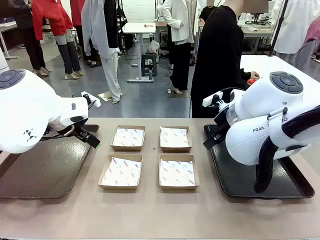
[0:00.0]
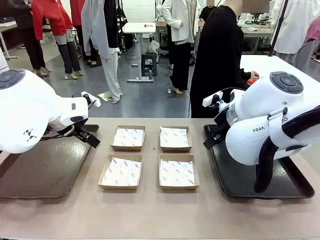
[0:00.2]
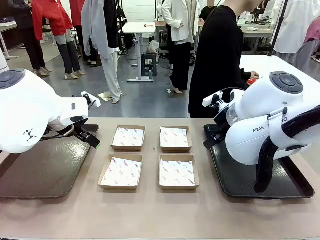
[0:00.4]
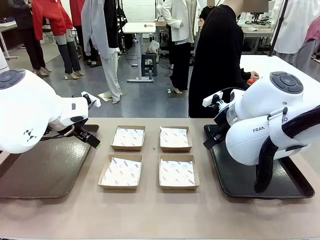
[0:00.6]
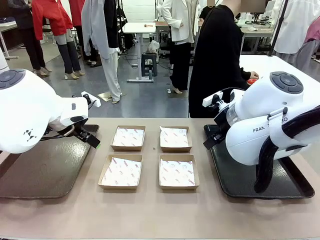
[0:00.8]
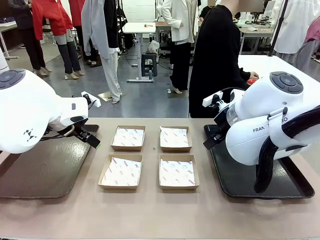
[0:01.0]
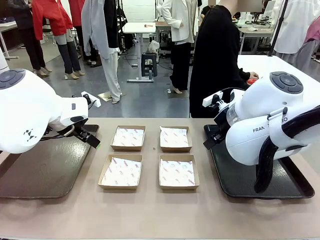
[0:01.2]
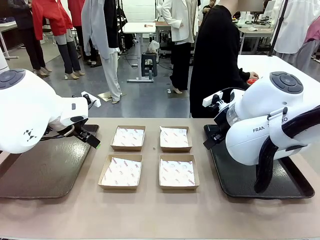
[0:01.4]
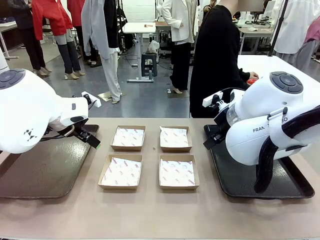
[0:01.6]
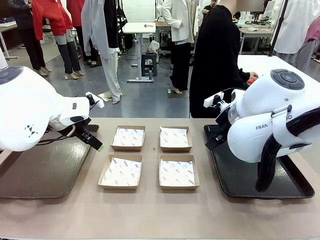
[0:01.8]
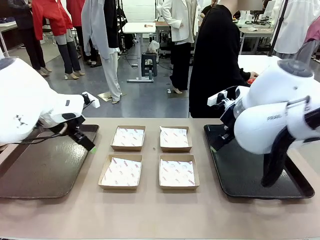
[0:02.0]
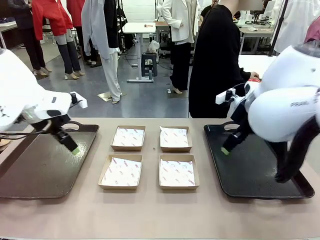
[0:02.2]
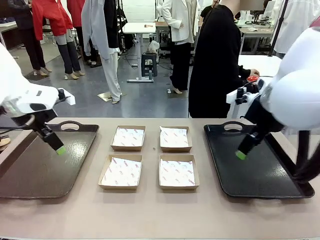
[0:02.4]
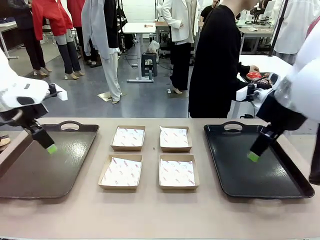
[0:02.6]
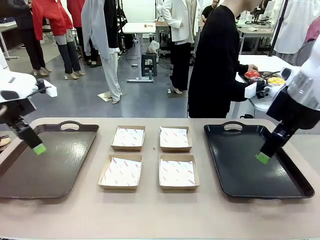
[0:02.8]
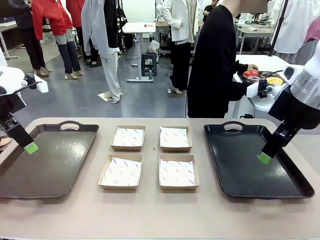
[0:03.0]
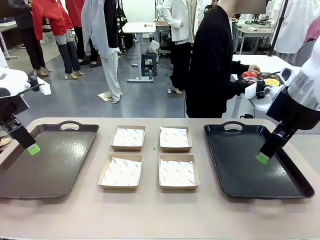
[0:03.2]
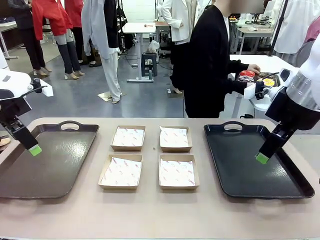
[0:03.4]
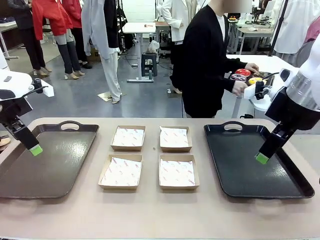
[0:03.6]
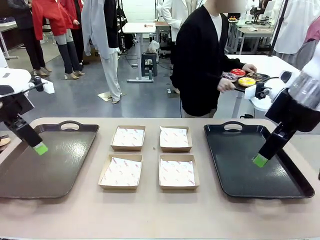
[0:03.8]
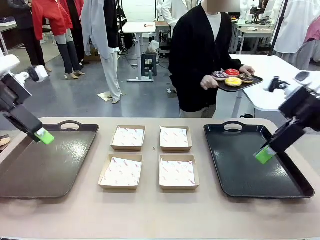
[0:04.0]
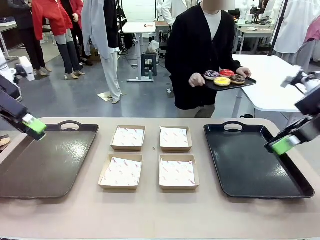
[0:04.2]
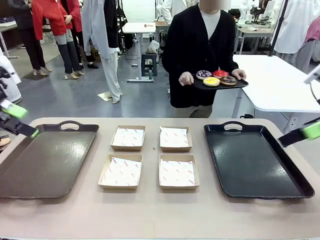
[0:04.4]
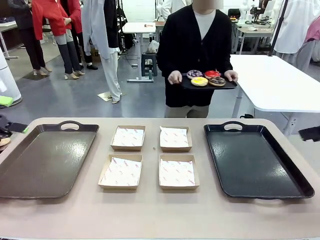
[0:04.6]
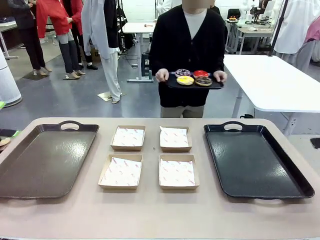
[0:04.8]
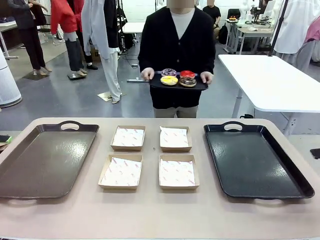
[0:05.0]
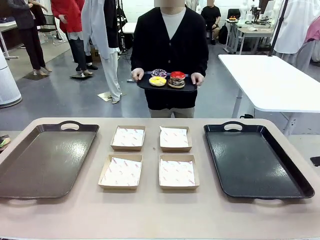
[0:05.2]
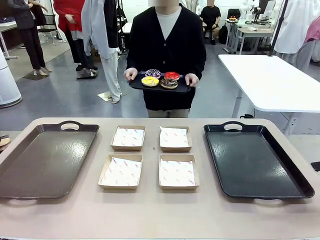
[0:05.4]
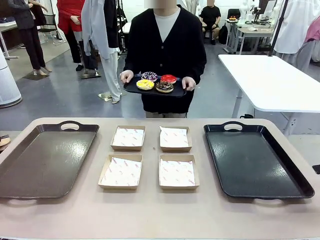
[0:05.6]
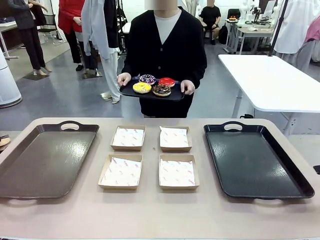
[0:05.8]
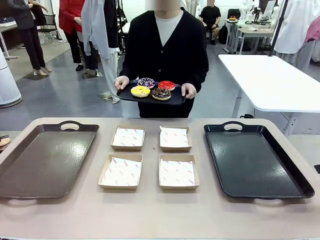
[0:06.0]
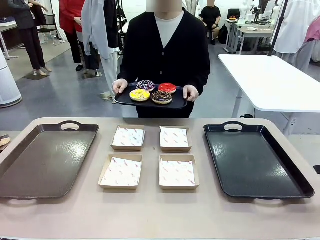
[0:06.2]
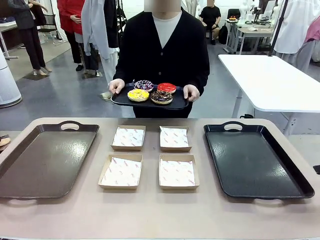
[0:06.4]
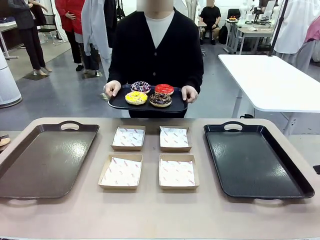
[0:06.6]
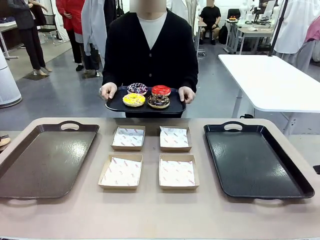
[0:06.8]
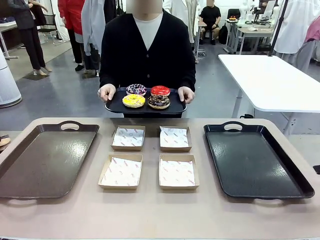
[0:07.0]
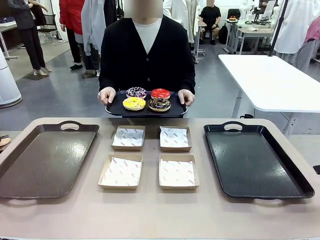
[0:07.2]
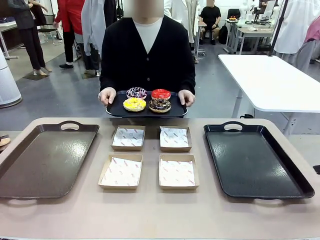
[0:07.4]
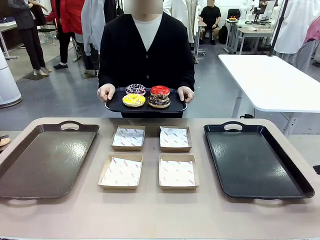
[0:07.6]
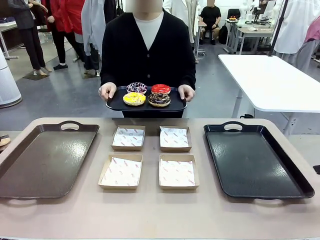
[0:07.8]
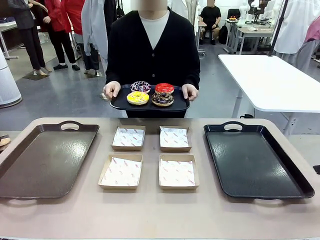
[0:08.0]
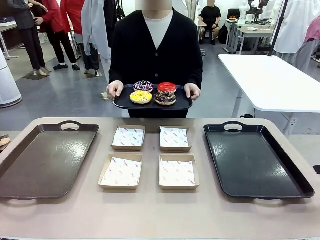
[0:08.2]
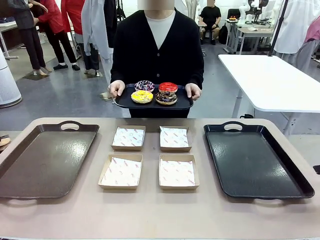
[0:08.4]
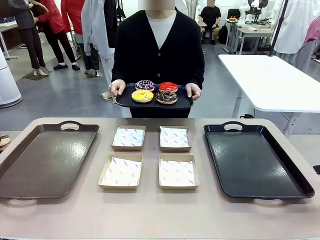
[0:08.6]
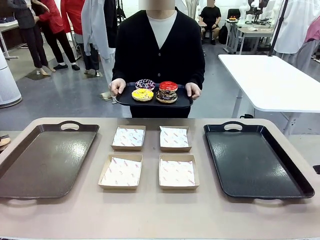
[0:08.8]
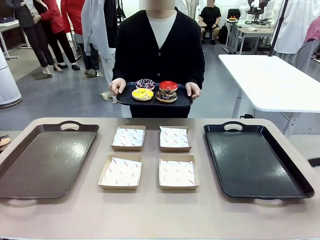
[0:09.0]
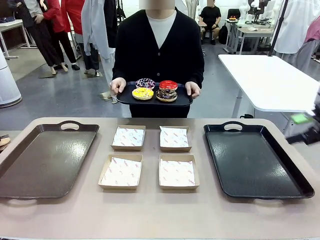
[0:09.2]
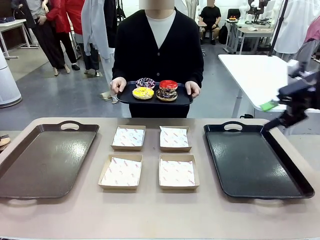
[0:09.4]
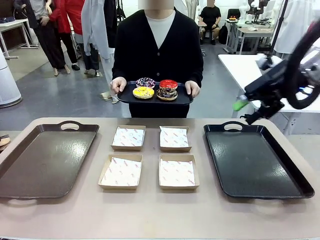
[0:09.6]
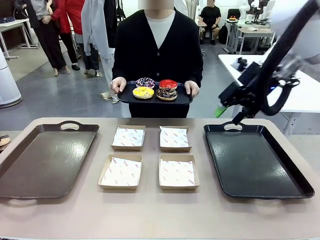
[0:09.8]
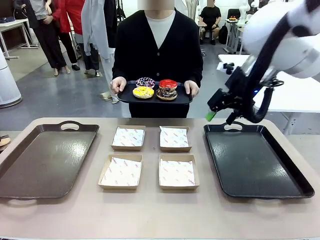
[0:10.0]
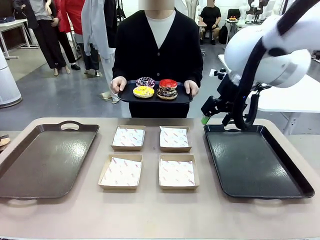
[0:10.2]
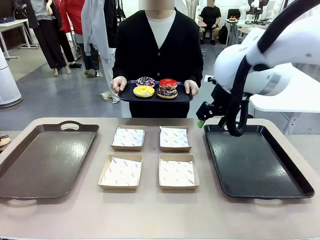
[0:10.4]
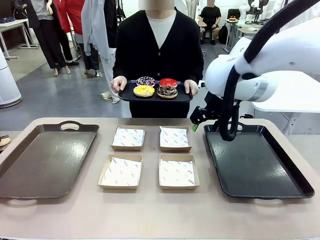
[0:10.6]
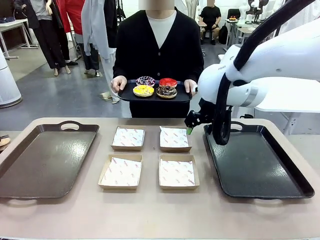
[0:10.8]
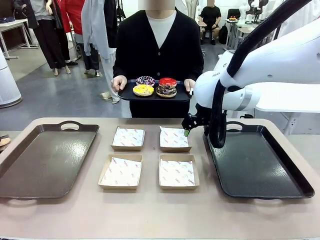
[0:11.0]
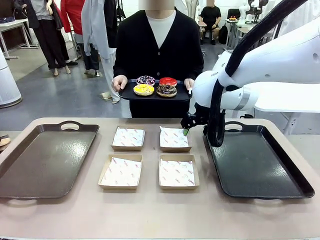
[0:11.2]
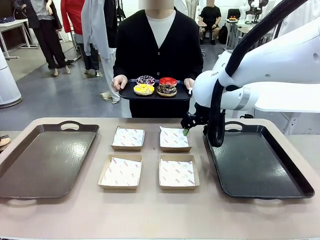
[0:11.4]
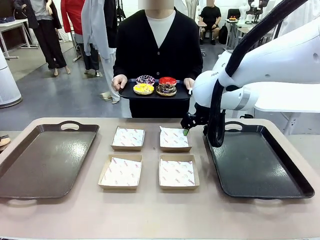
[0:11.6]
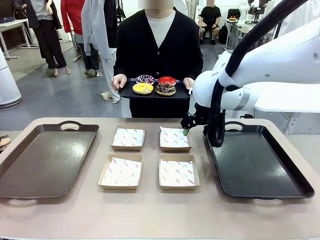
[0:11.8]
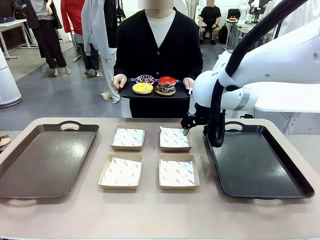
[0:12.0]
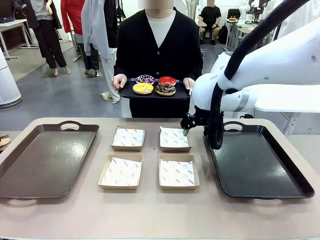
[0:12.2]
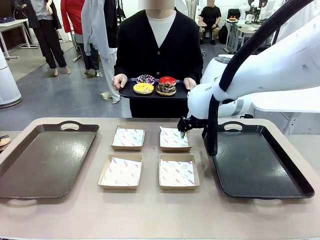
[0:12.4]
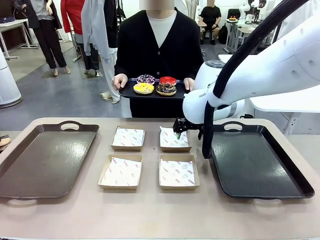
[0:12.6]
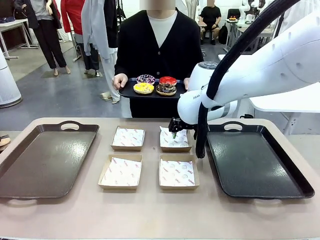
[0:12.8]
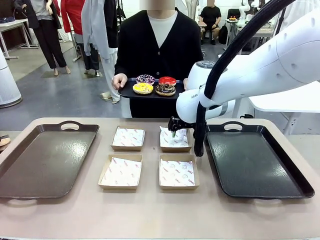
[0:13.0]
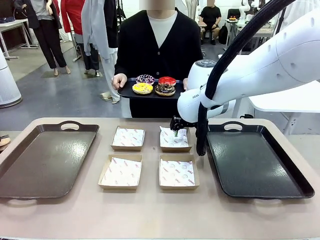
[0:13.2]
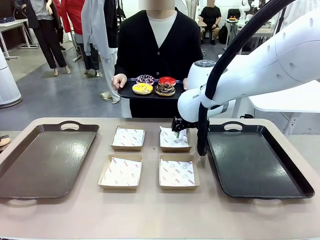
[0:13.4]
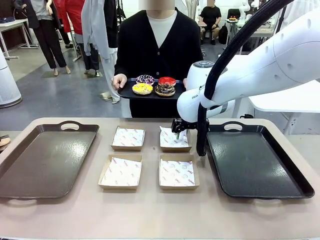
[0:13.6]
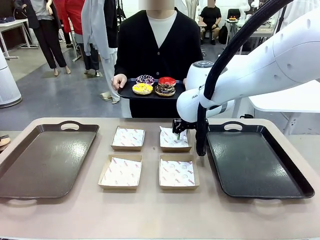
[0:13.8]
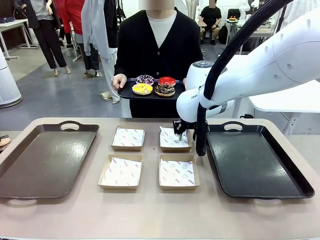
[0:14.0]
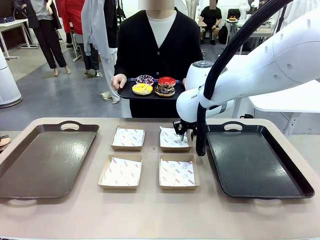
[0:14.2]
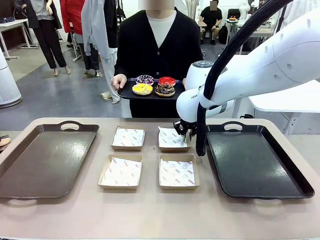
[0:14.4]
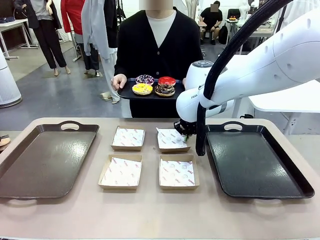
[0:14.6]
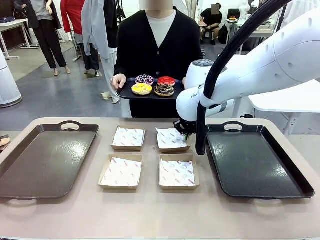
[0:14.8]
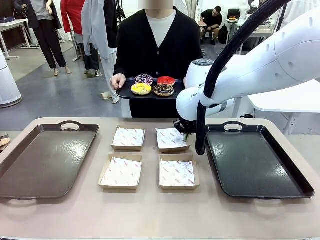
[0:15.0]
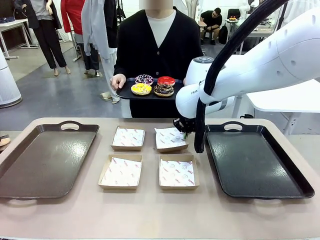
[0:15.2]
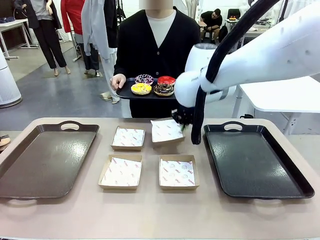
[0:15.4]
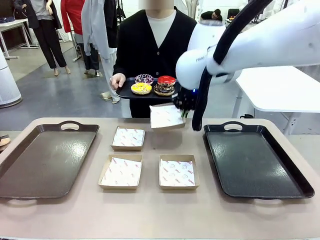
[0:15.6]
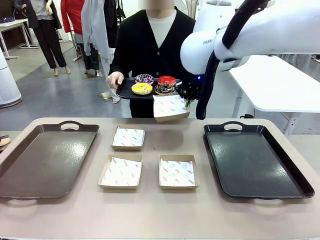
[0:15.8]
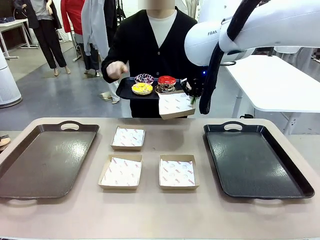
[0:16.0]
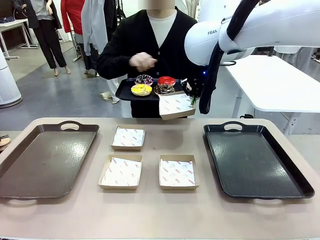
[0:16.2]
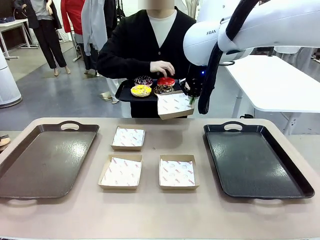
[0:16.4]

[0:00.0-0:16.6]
Task: Individually package the donuts and arrange them on the tray.
Robot: Pick up one Paper togo box.
Person: Stand in front of the robot table holding the tray containing the donuts.
